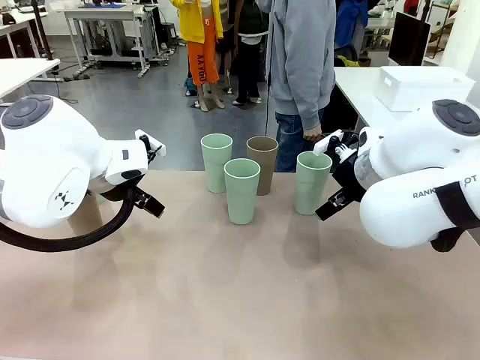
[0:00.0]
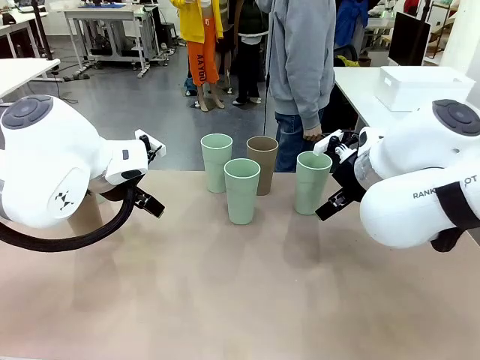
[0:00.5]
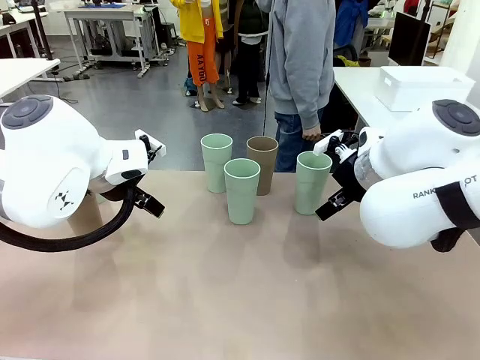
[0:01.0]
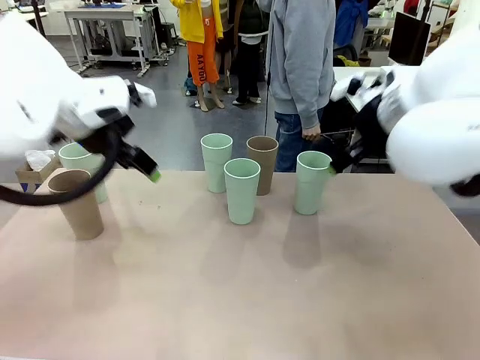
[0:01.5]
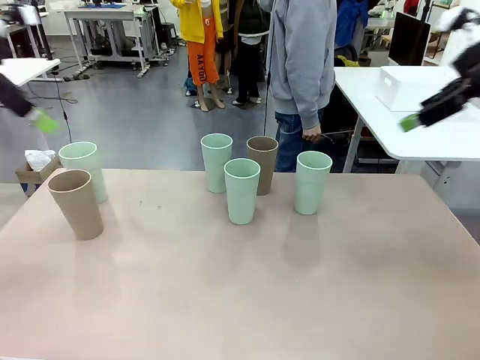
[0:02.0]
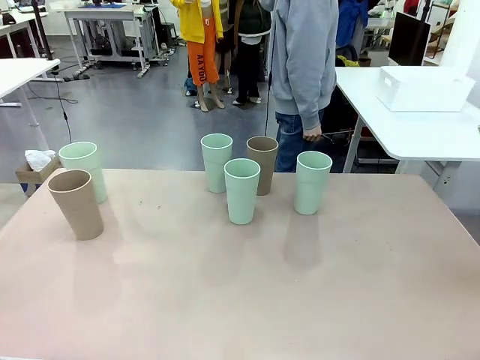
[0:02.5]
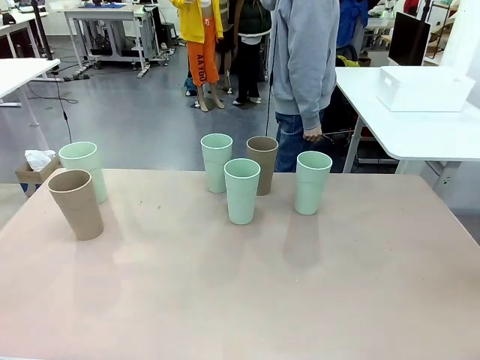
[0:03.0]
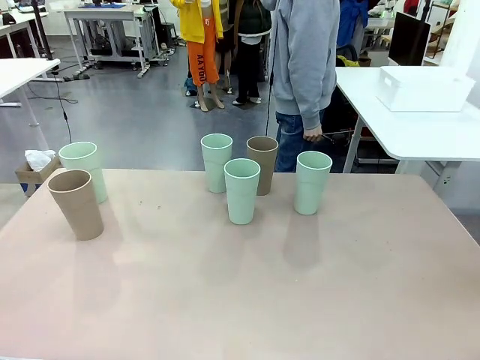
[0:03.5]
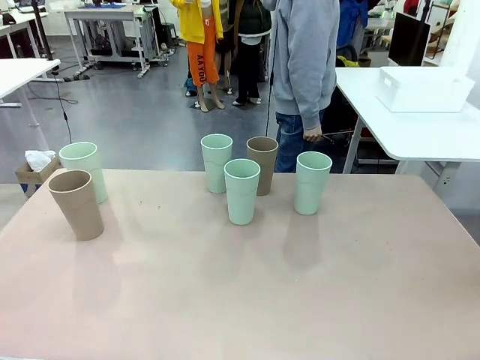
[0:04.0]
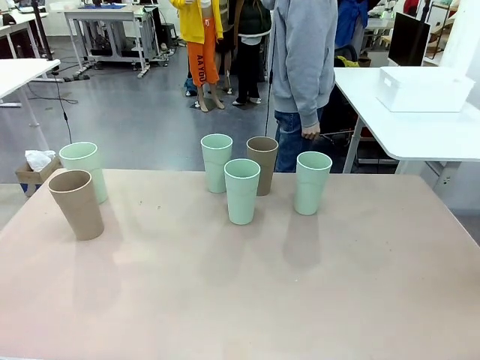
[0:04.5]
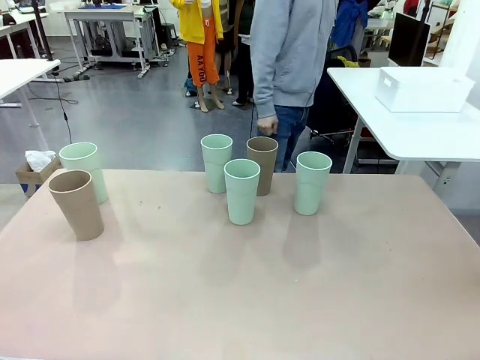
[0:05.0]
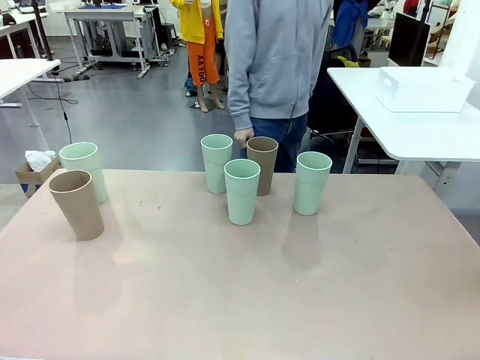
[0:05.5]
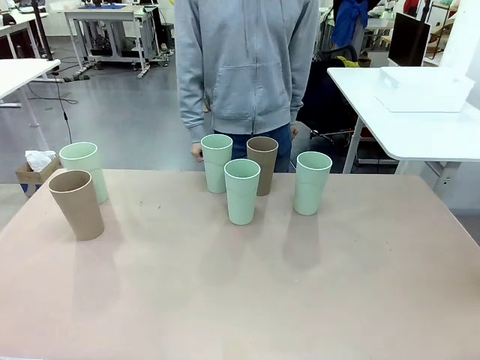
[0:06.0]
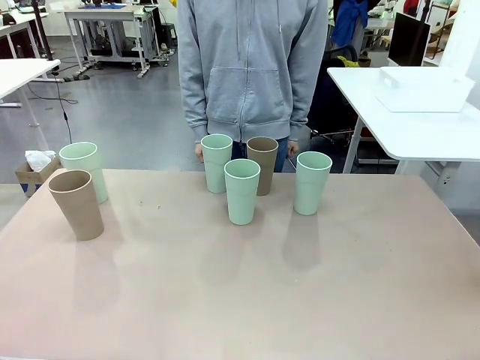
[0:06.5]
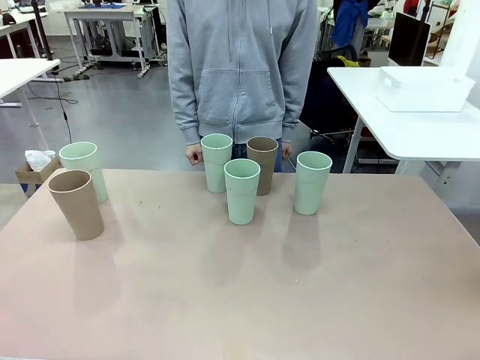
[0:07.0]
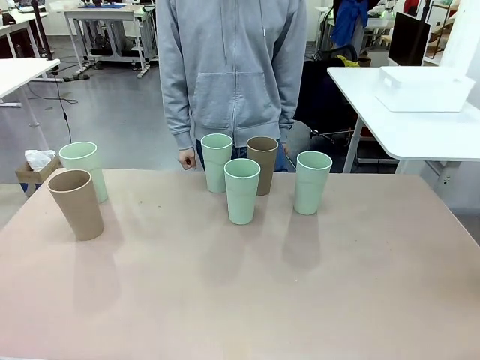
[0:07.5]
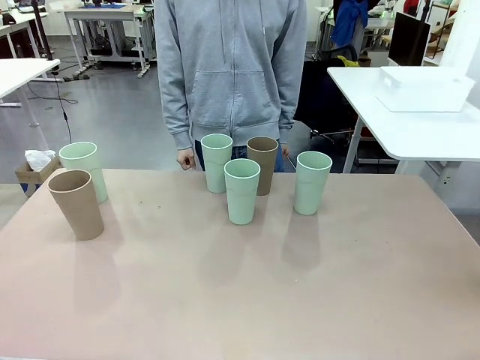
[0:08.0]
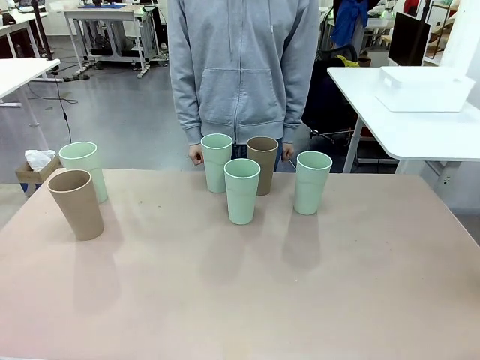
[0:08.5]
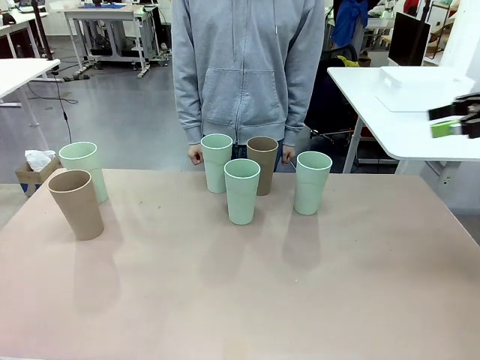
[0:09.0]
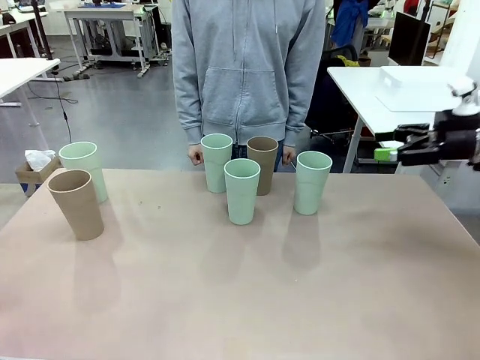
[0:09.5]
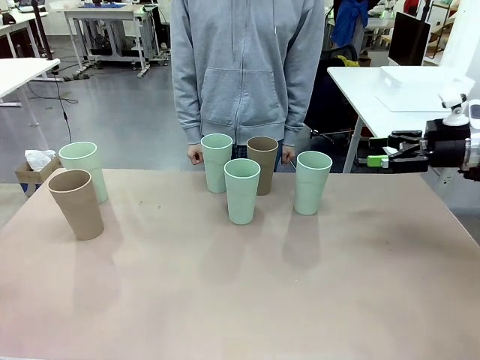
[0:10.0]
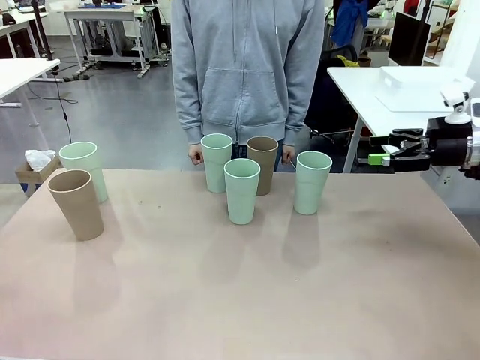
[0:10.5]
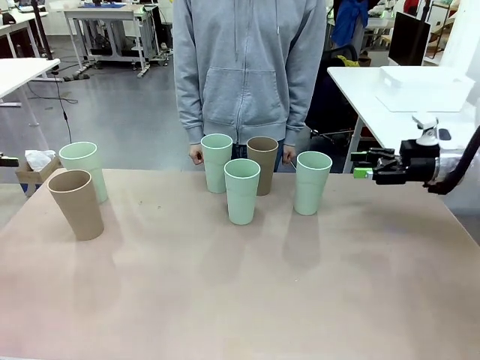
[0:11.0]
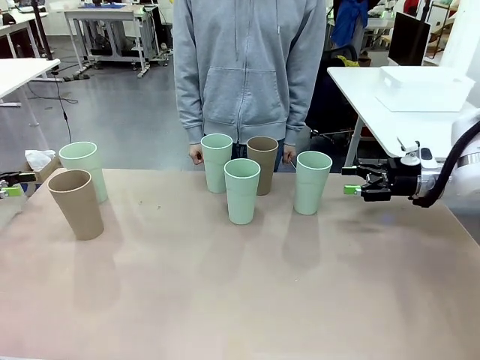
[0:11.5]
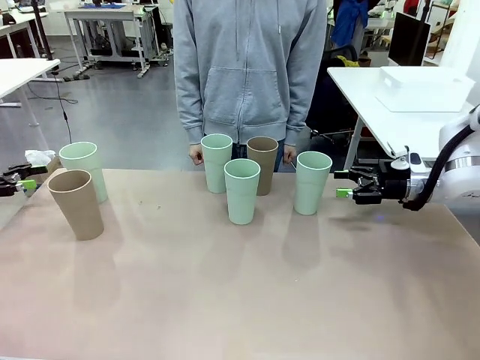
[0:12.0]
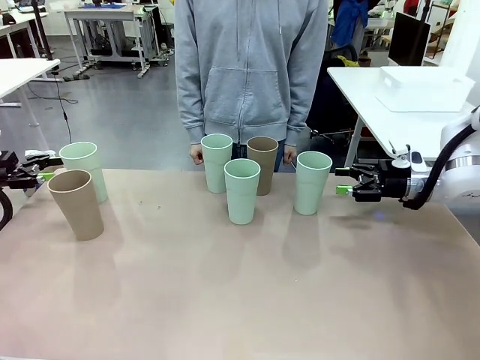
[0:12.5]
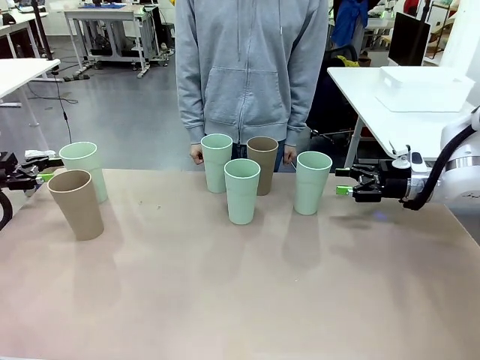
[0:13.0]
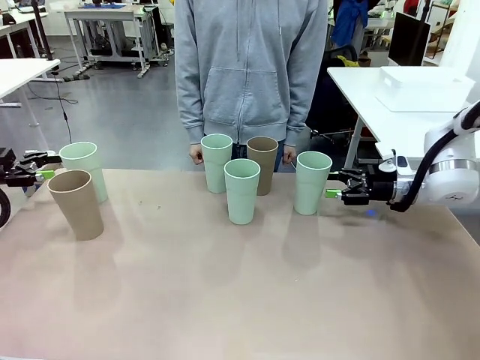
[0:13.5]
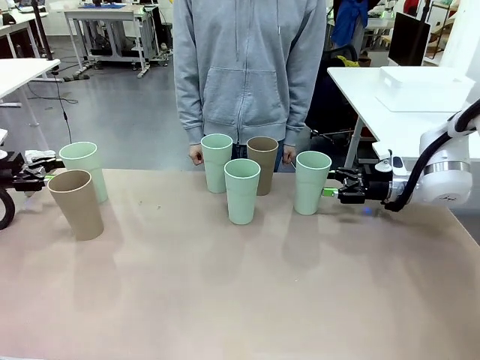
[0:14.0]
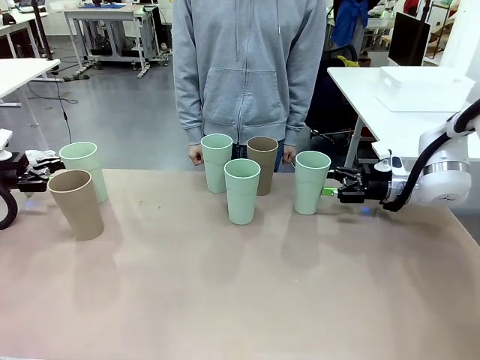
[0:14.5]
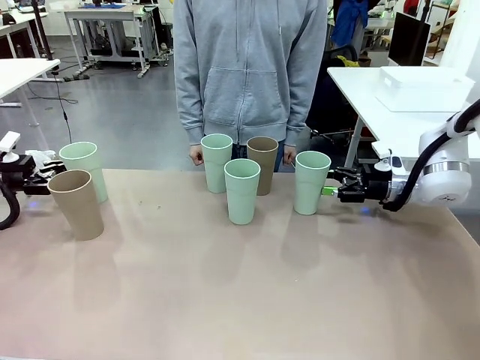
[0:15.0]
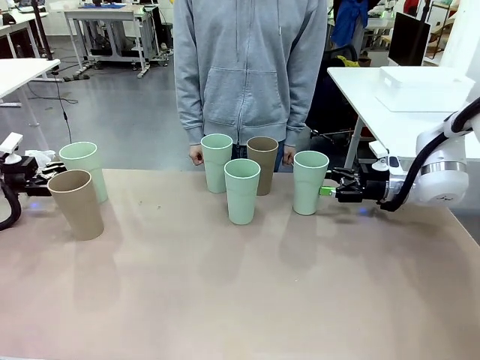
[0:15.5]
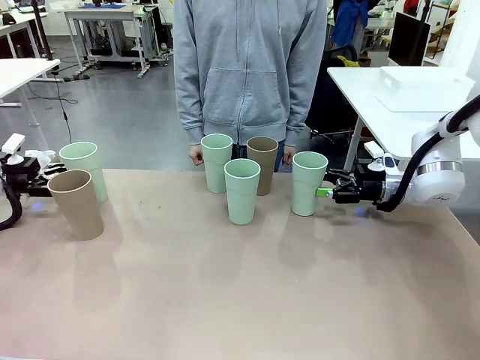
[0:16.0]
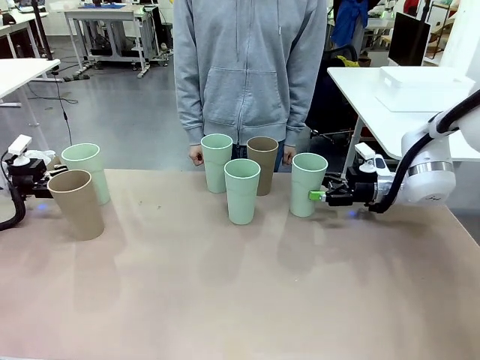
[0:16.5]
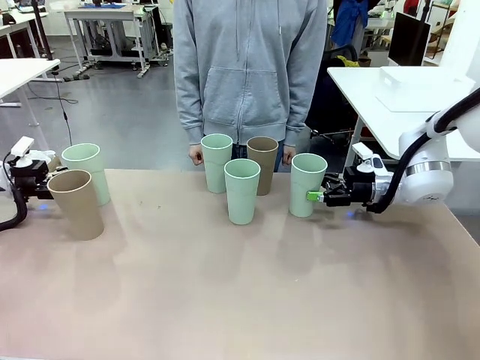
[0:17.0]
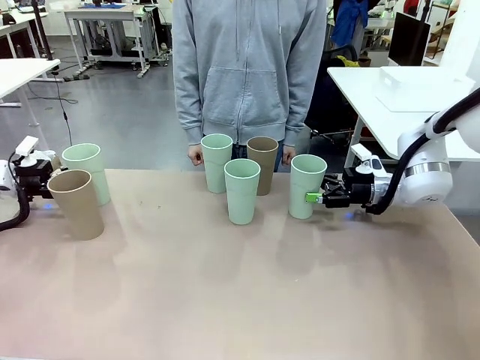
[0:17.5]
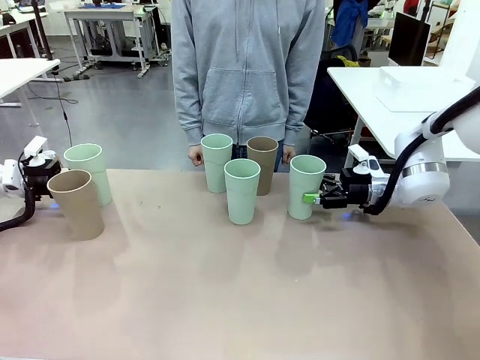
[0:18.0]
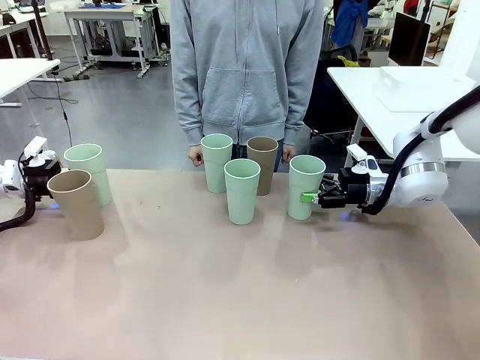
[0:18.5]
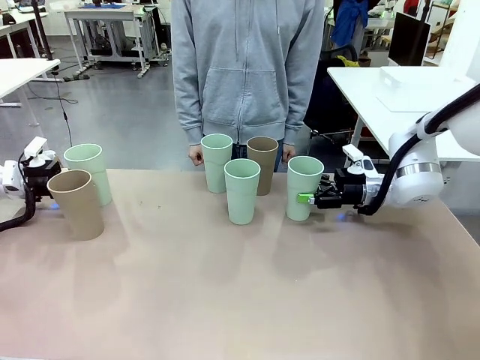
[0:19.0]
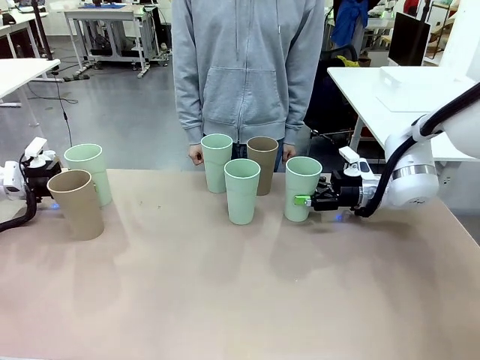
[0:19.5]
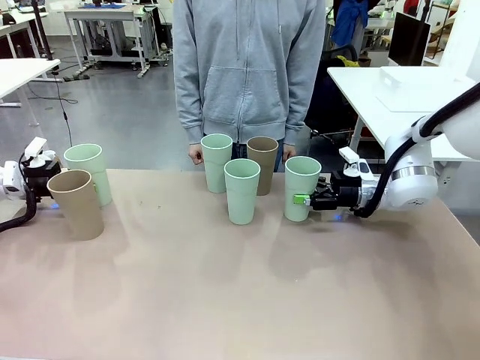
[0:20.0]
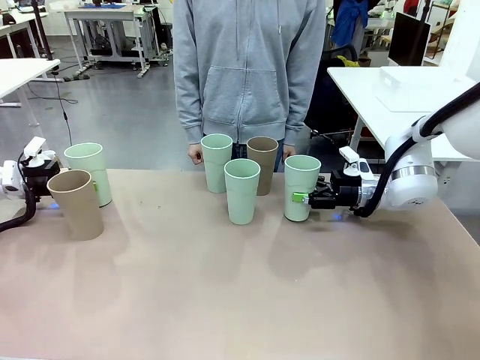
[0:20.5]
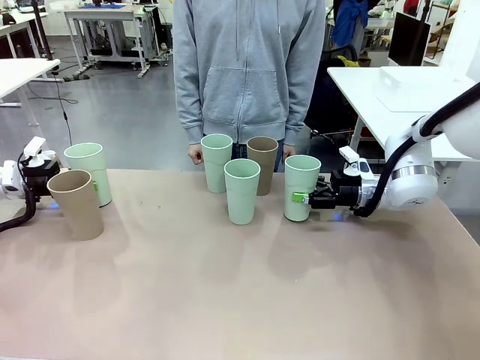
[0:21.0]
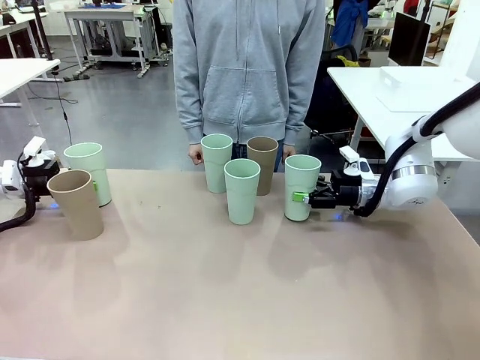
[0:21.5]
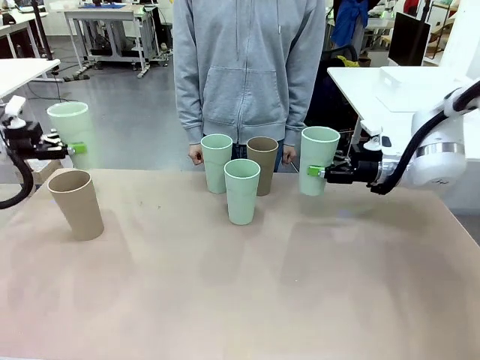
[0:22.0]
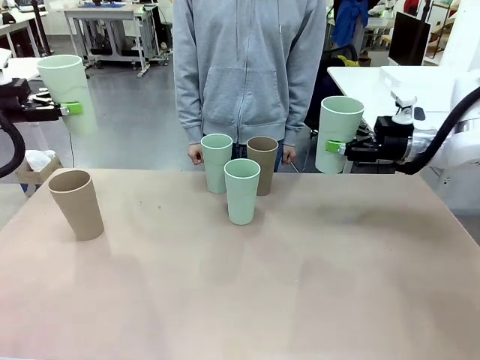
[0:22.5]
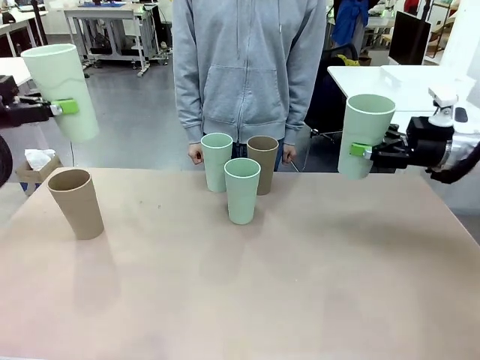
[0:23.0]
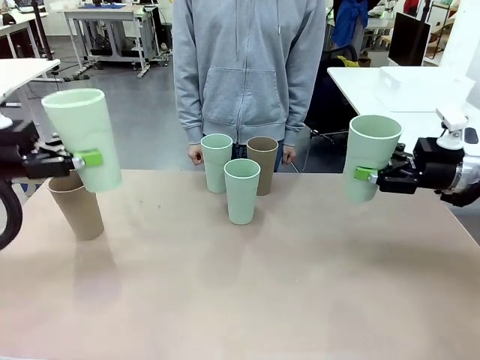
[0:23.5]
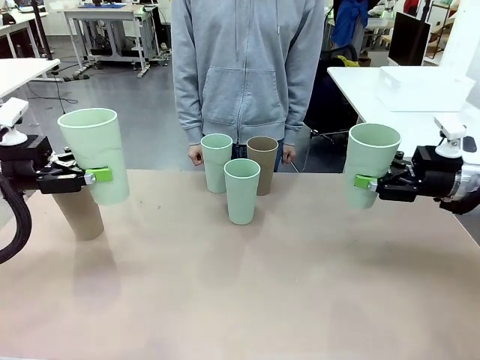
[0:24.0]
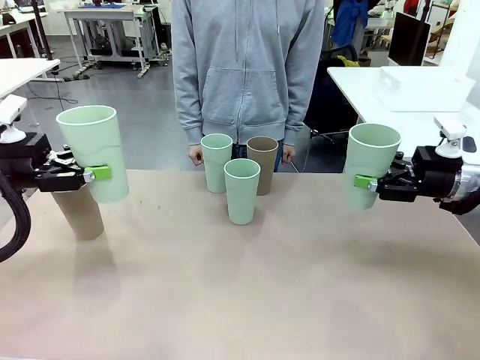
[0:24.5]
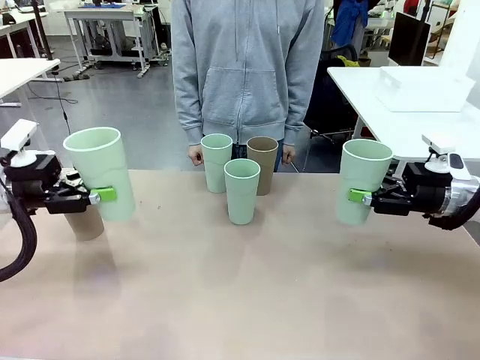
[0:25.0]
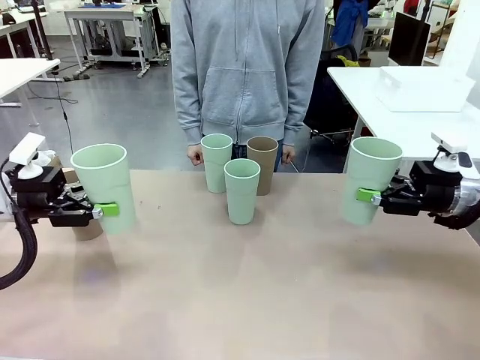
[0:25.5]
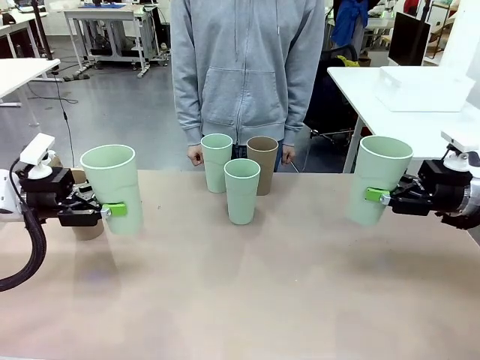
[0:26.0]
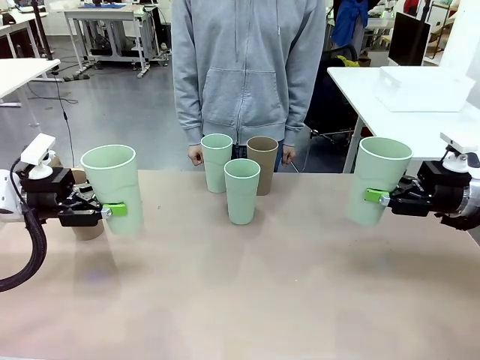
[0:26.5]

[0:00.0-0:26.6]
Task: Stack the cups and store them in the basket.
Robot: Pick up two Reusable plastic cups , one in each hand.
Person: Move from the Human Table to the front of the Robot Table. Stack two of the remaining cups on top of each cup held by the robot.
